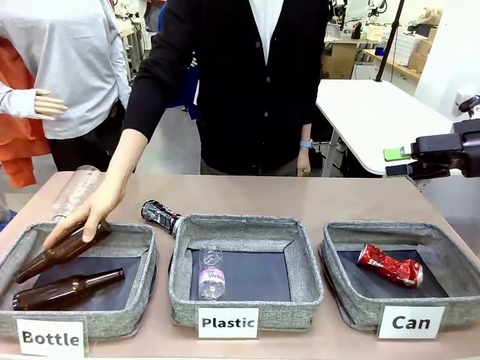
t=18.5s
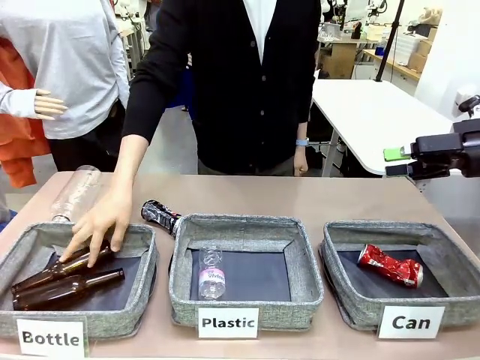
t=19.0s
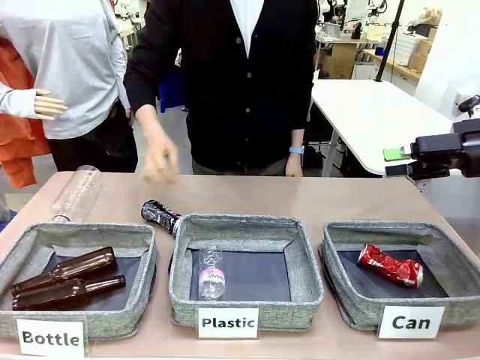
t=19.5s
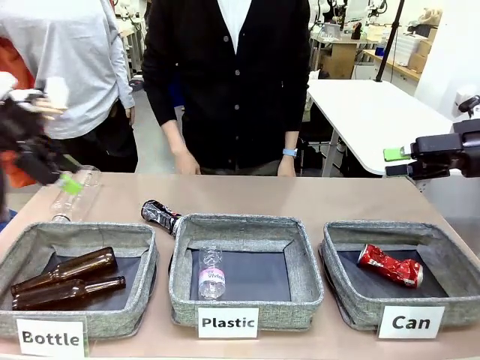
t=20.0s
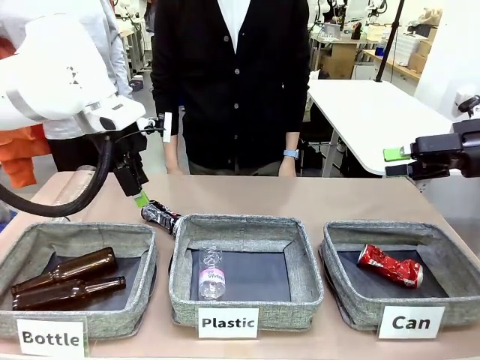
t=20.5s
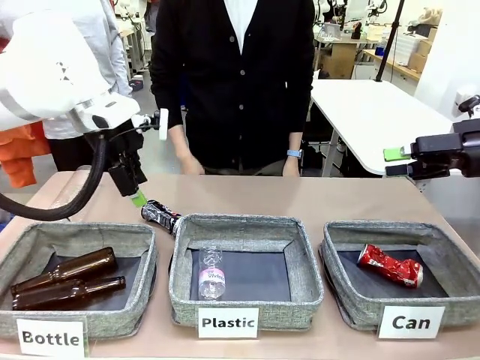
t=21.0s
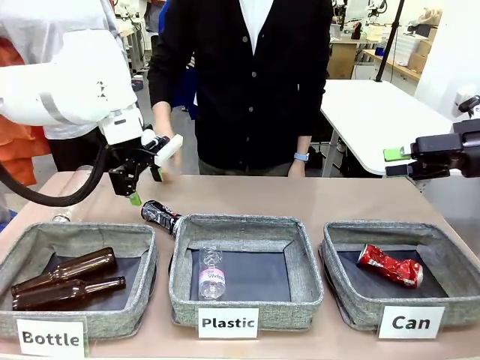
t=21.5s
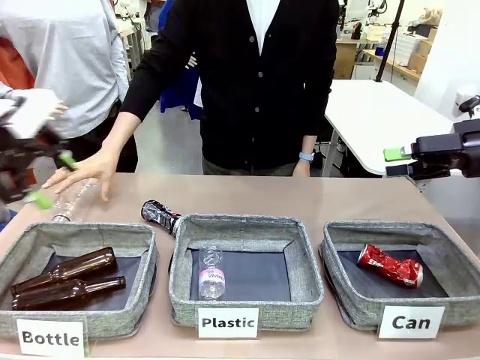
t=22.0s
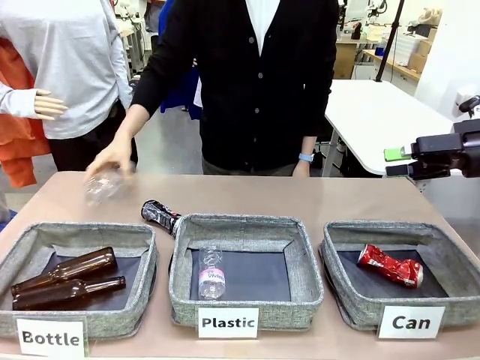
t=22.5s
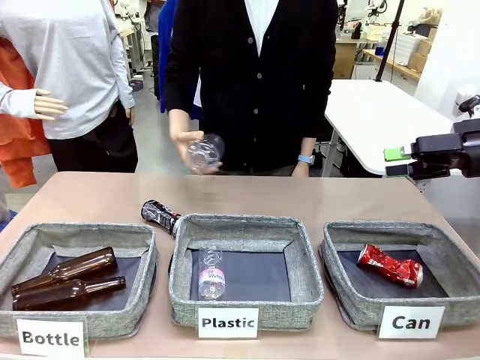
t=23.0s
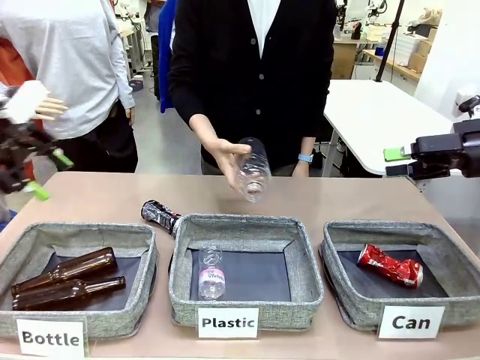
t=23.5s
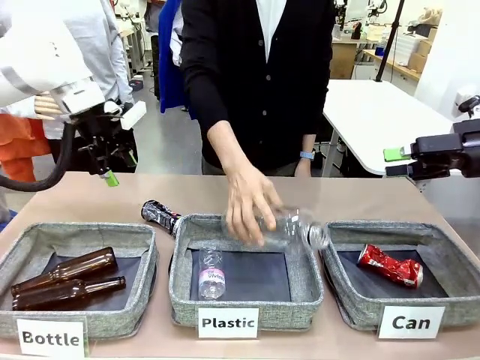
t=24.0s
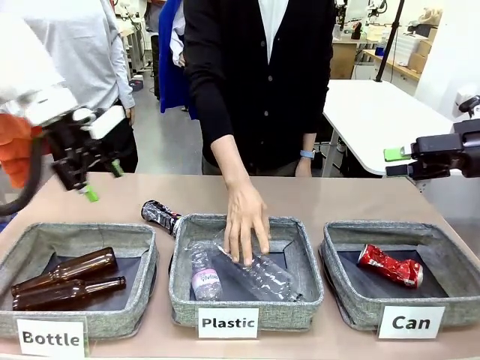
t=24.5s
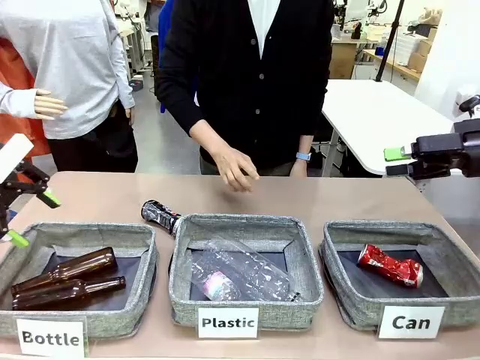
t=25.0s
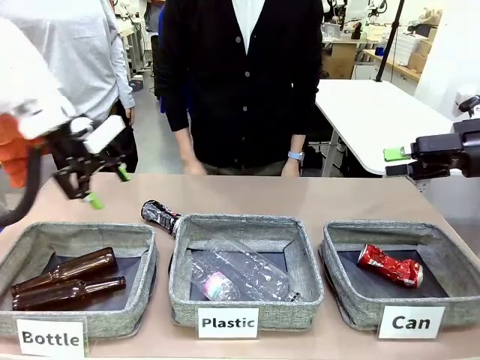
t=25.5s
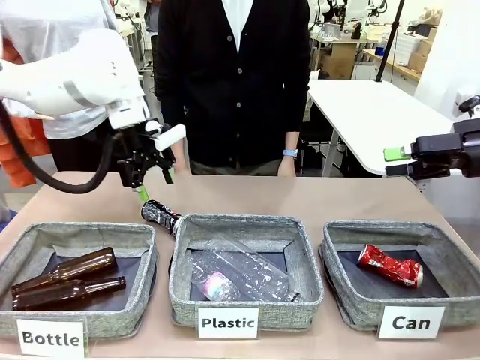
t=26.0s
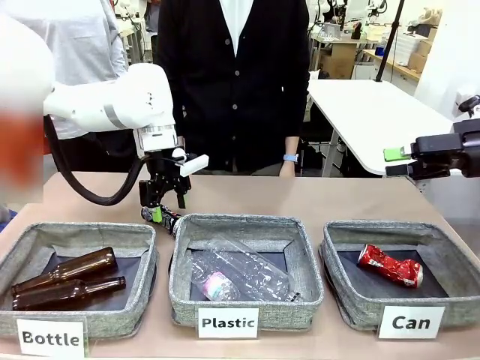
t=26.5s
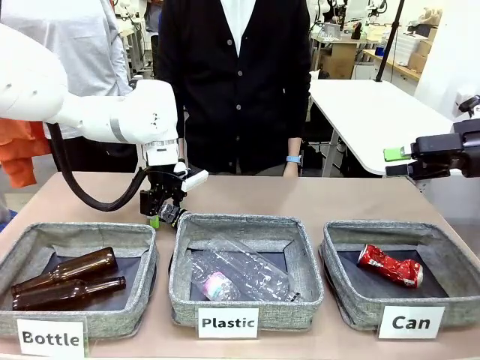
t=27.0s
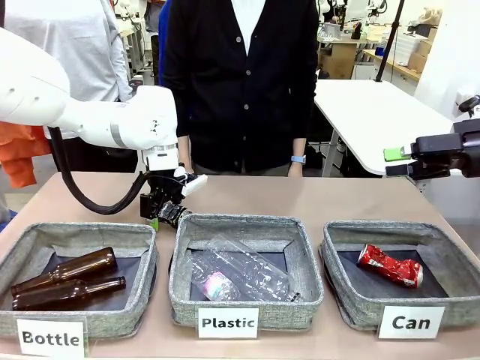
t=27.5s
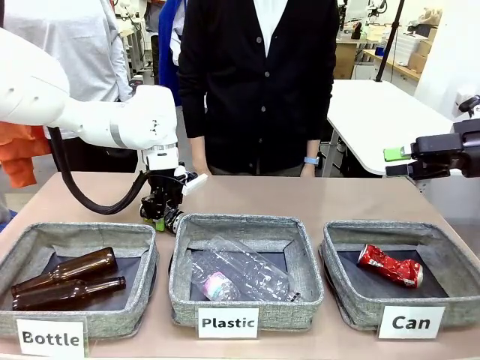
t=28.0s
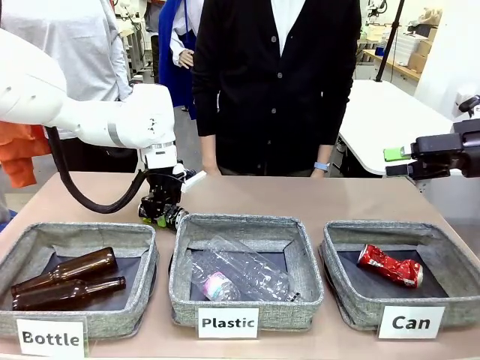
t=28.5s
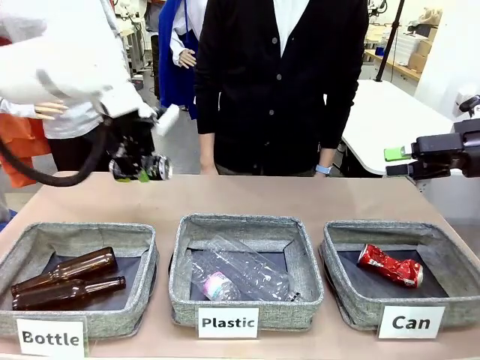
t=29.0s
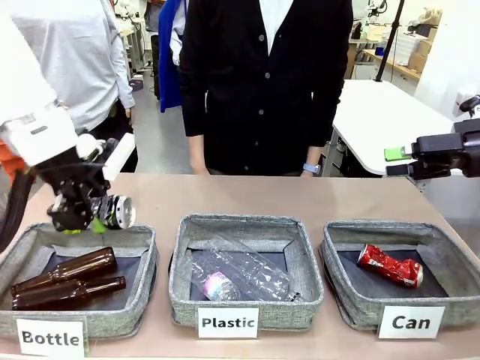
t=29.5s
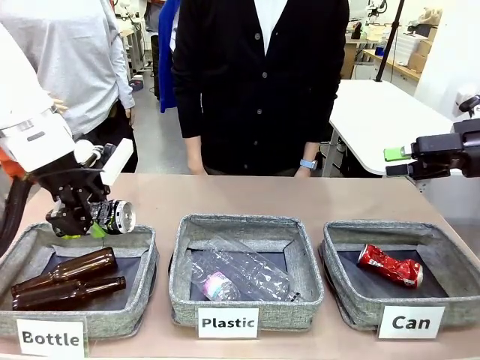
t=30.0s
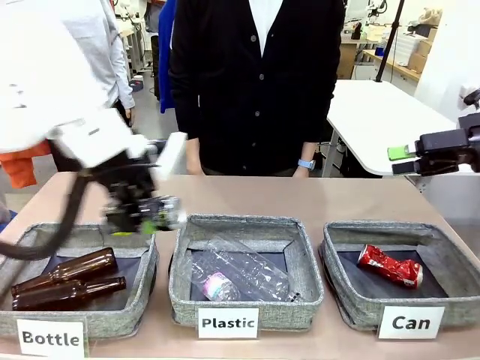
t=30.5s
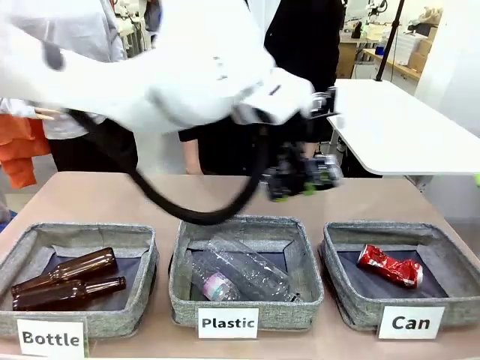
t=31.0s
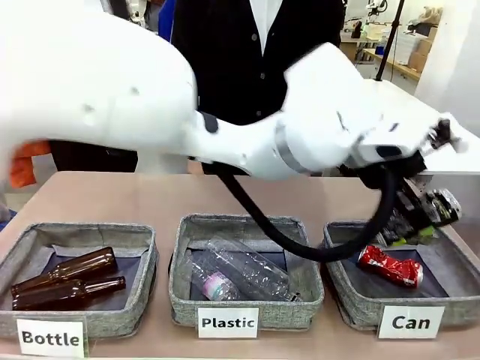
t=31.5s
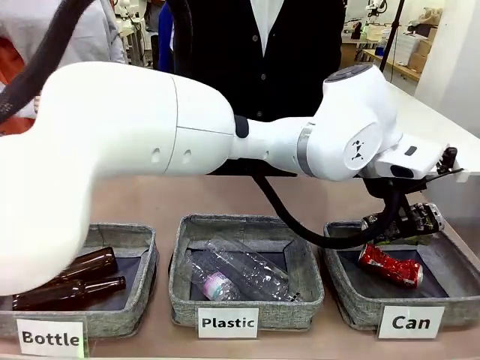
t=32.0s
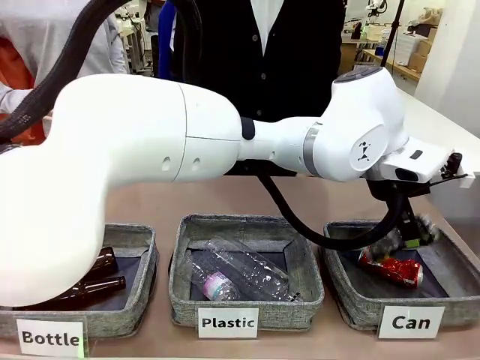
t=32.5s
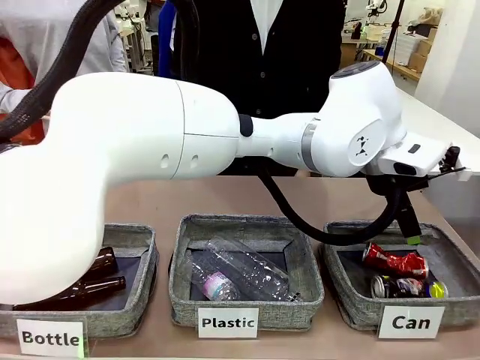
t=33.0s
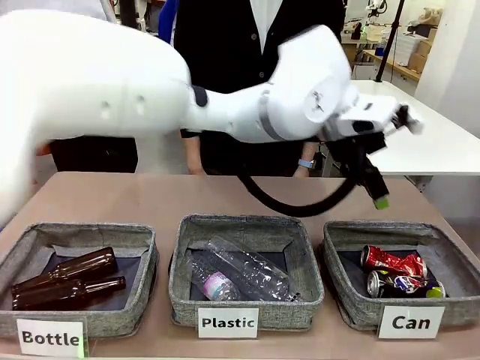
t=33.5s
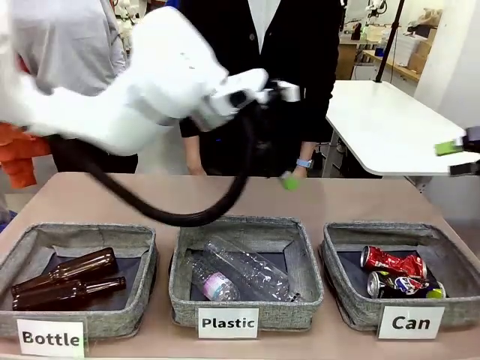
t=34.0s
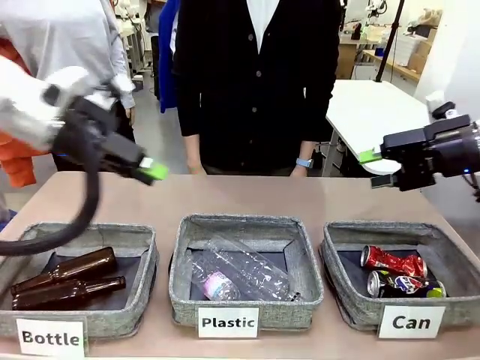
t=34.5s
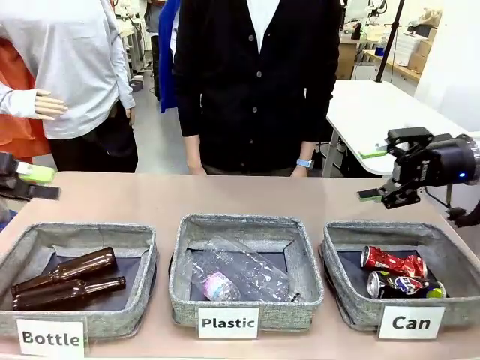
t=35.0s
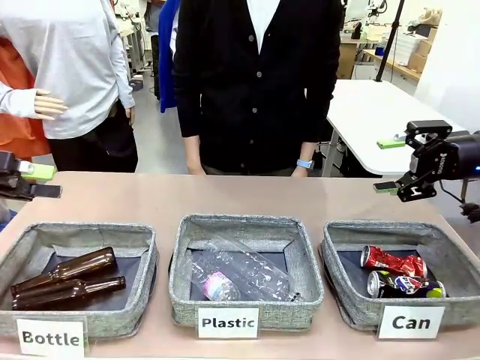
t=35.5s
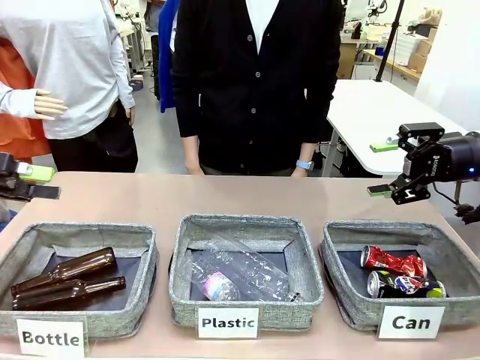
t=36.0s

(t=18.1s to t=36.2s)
Task: Sort the can waste into the basket.
Robot: Pick up the can waste from the table and place it in the right Fabric basket.

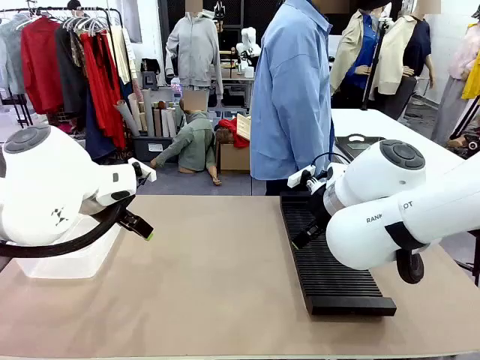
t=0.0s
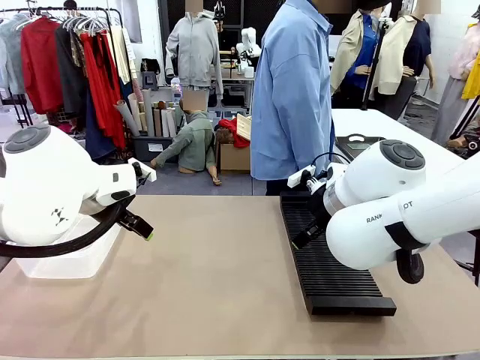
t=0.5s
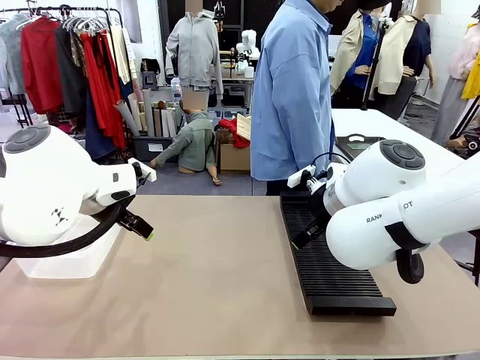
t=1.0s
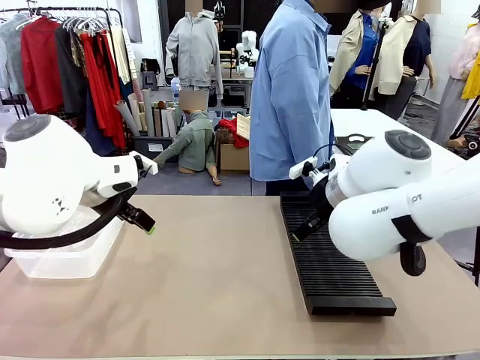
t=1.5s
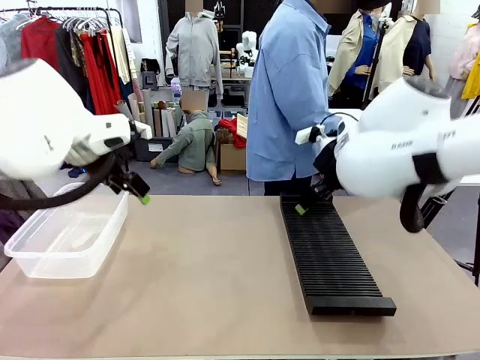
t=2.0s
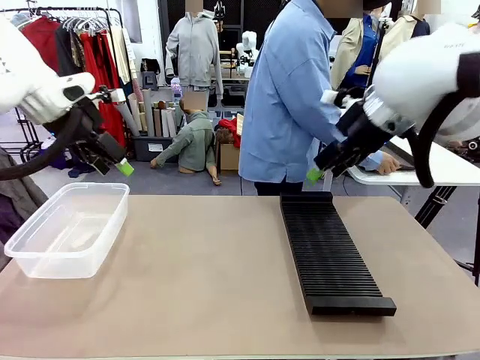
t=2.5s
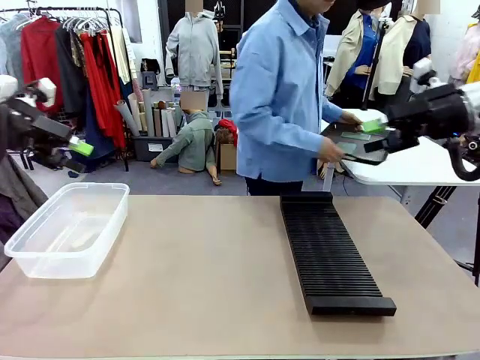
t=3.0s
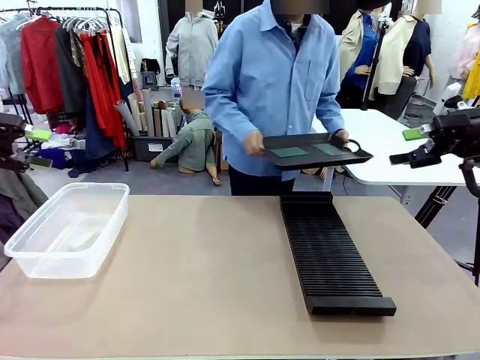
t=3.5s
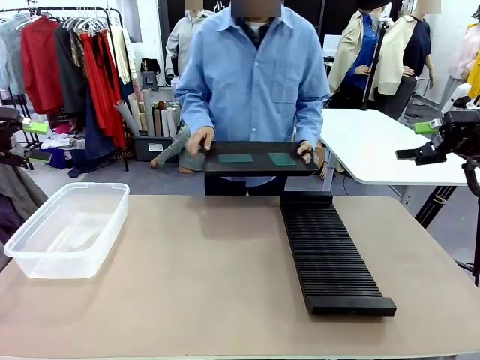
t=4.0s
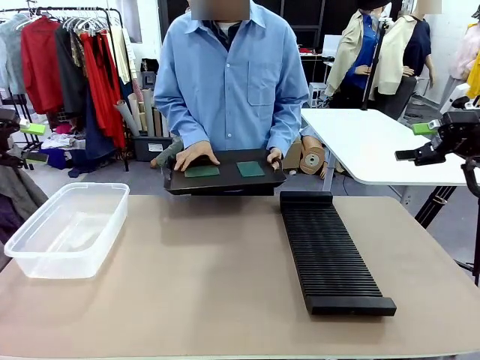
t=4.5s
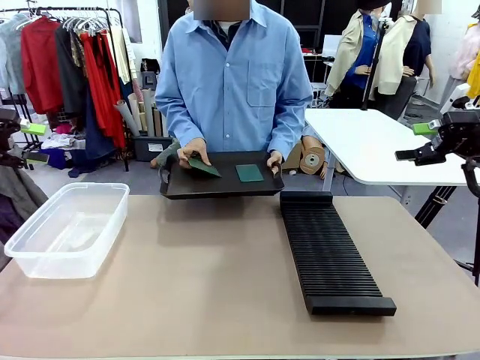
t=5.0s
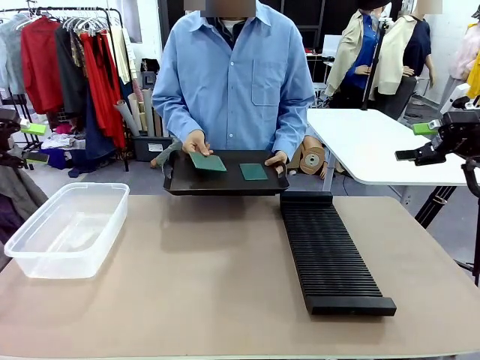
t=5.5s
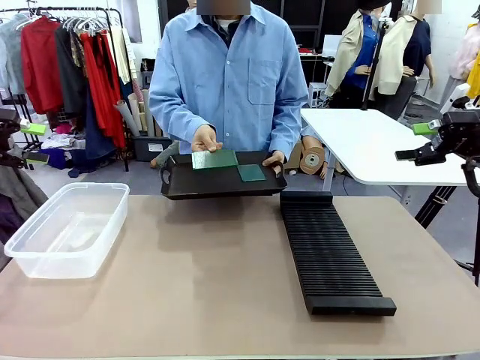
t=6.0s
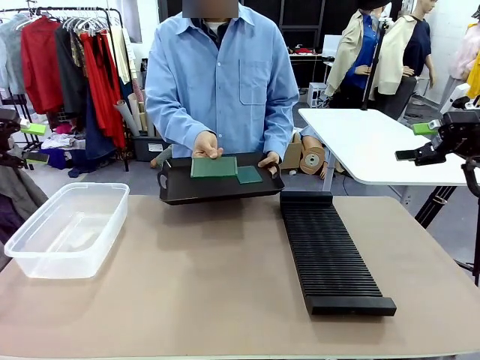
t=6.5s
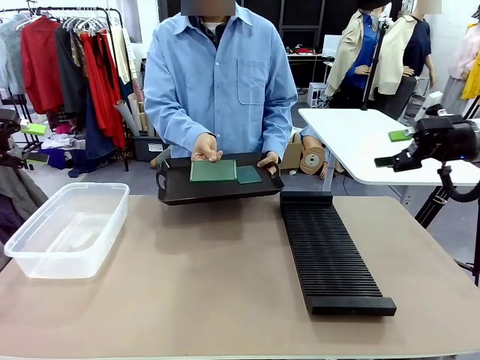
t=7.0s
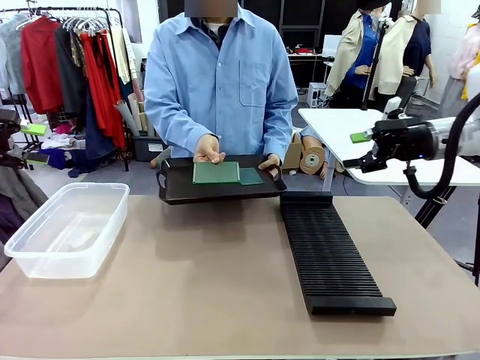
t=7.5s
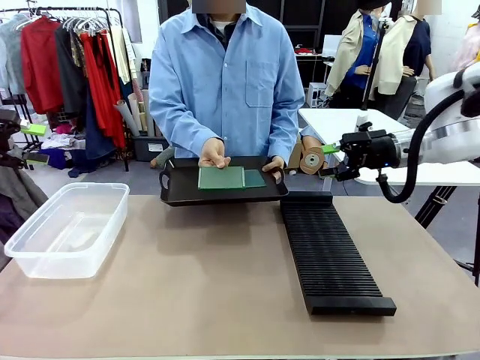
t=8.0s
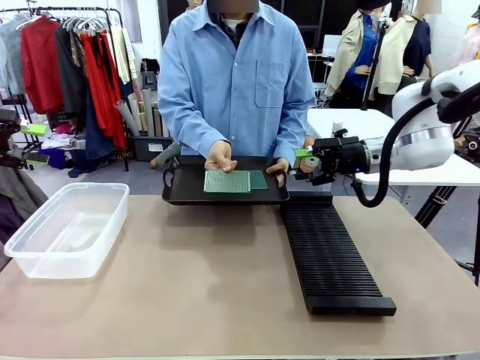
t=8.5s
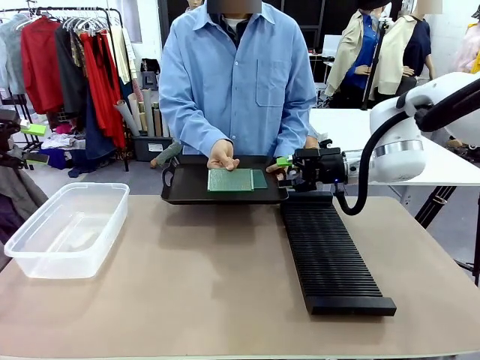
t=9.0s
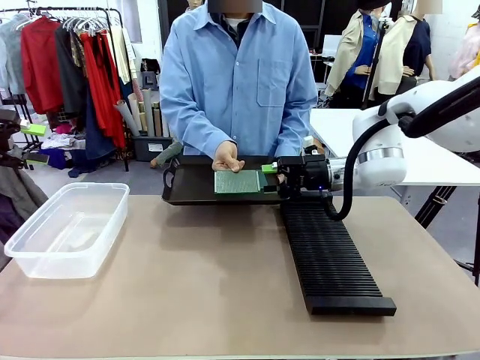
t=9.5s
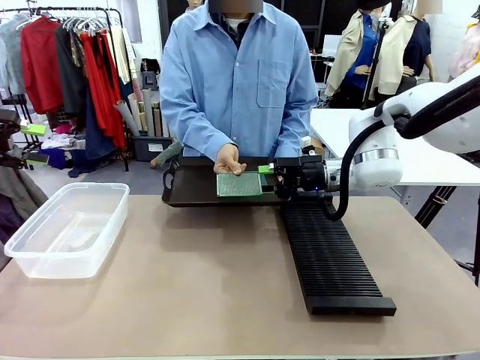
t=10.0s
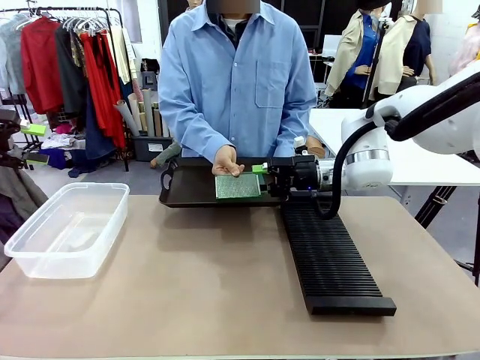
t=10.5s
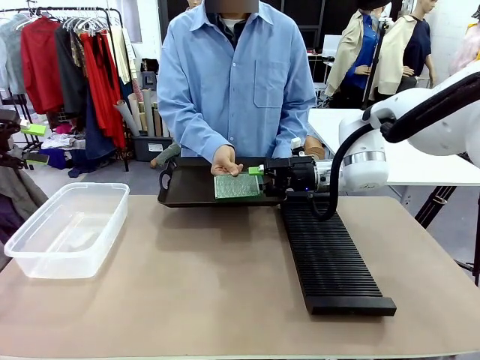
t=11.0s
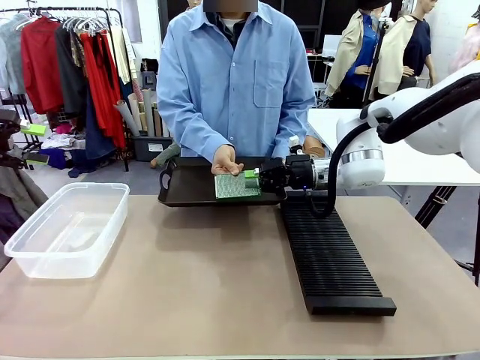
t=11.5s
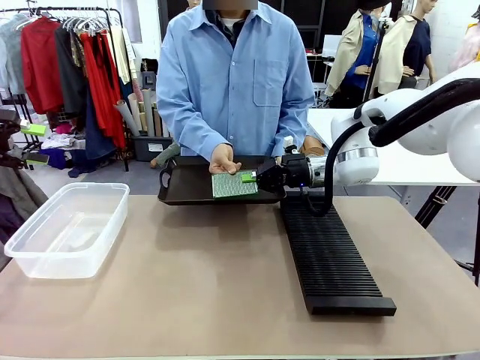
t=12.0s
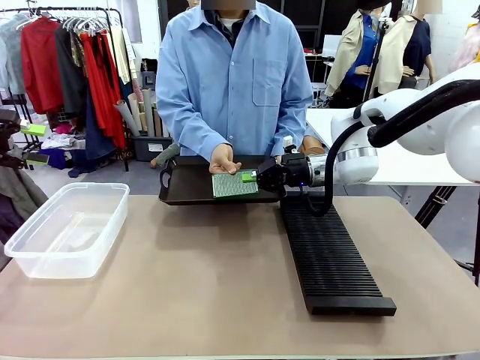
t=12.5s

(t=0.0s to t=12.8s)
Task: Sort PCBs into racks and boxes based on the side picked up.
Robot: Pick up the Blank PCB handed by the Human.
Person: Pick one PCB from the tray and present it to the robot. Release the PCB being held.
